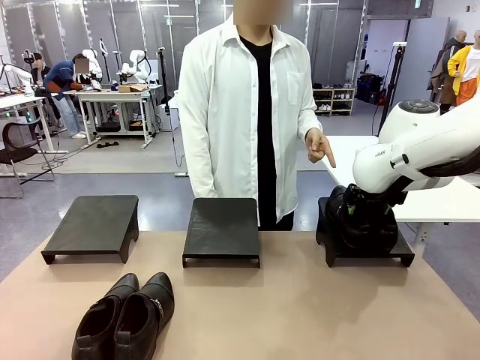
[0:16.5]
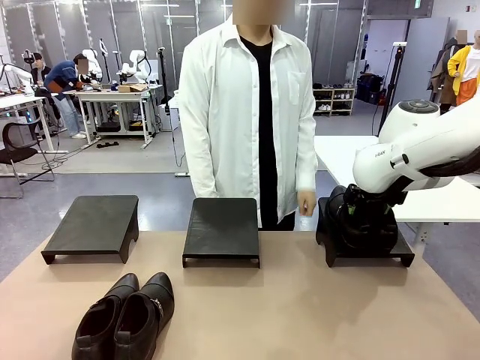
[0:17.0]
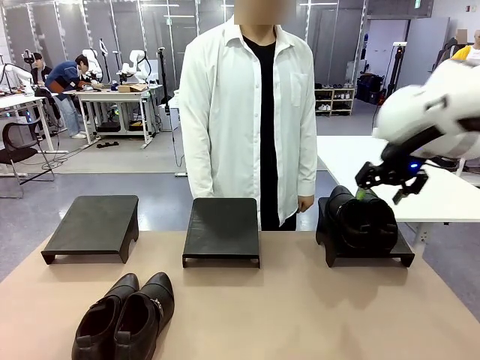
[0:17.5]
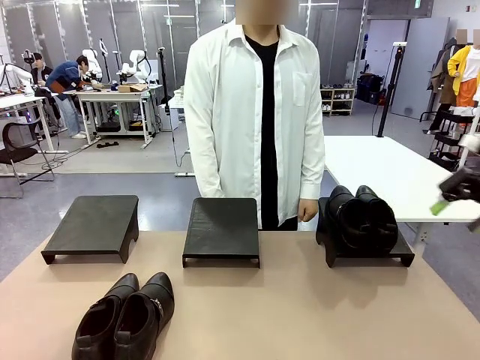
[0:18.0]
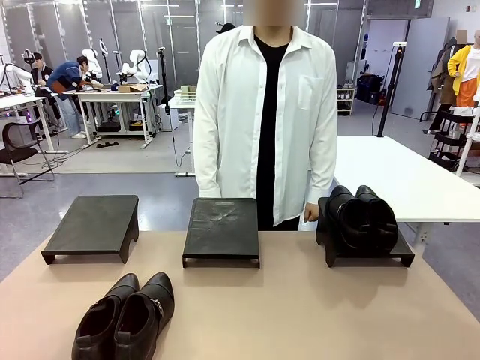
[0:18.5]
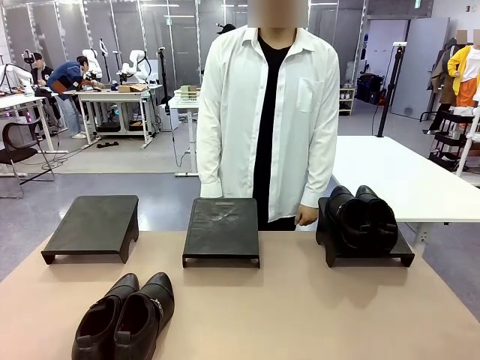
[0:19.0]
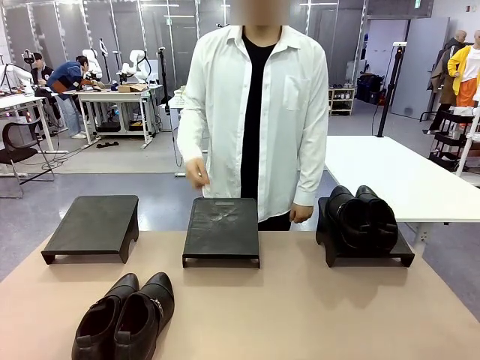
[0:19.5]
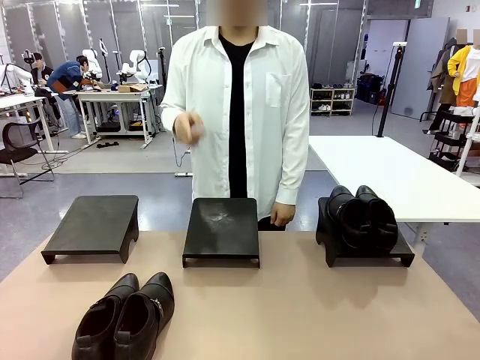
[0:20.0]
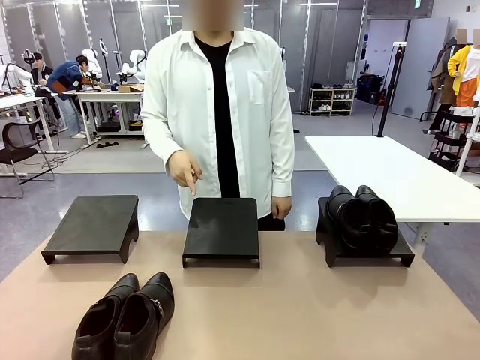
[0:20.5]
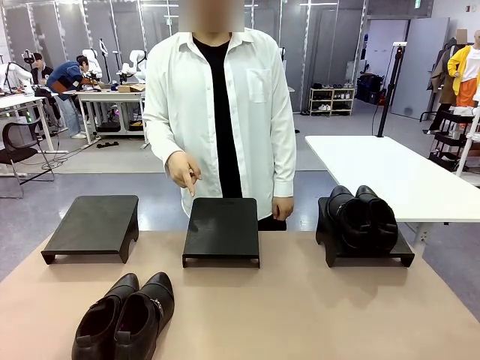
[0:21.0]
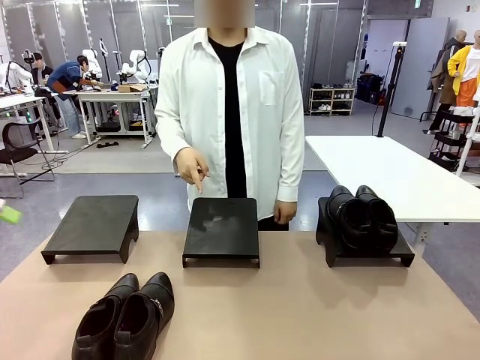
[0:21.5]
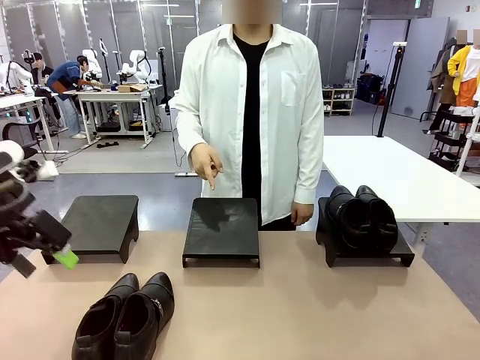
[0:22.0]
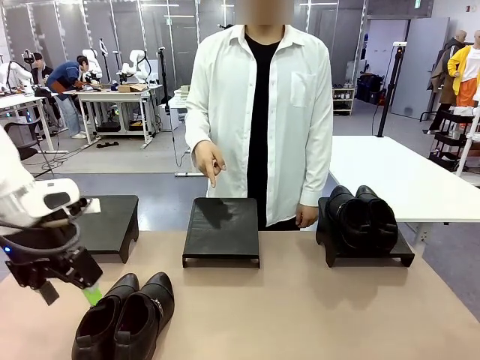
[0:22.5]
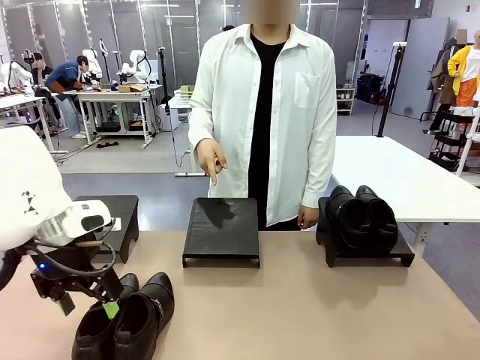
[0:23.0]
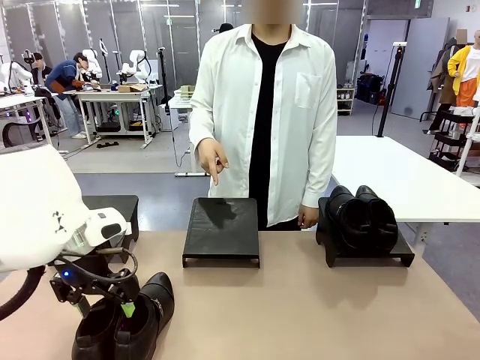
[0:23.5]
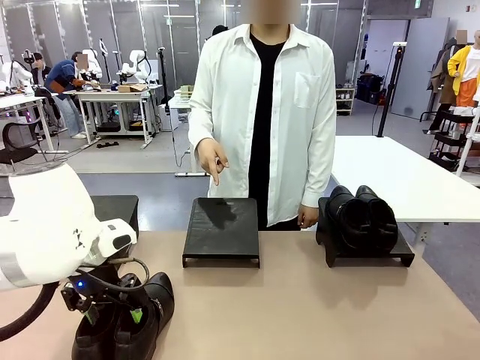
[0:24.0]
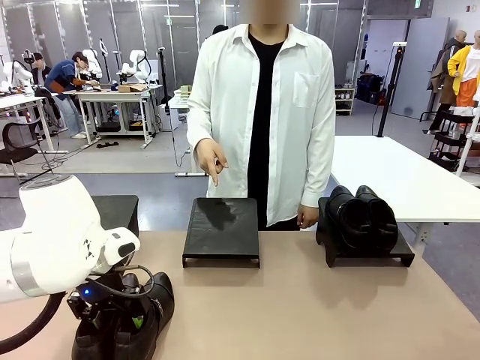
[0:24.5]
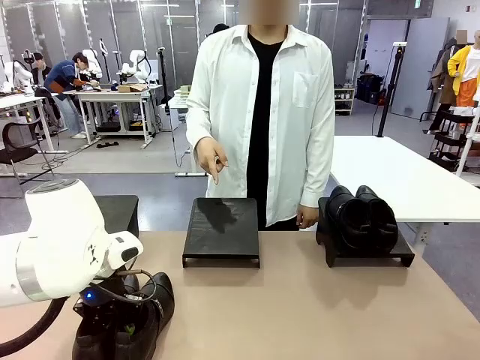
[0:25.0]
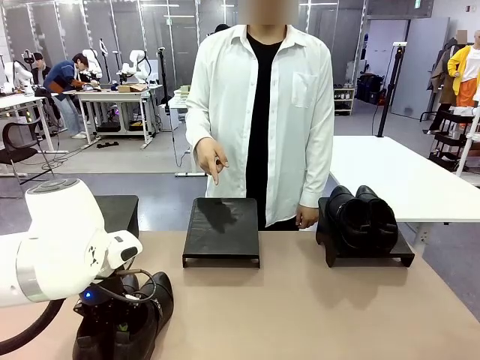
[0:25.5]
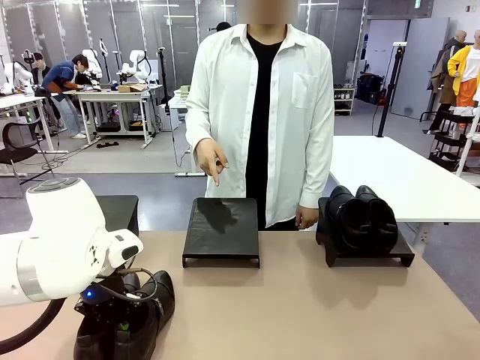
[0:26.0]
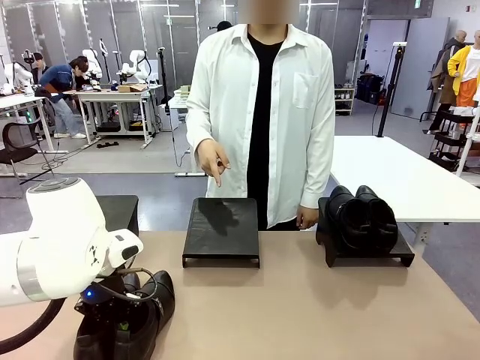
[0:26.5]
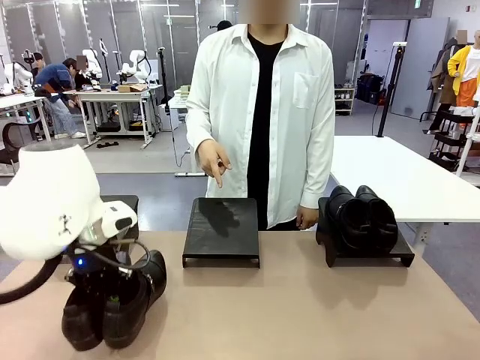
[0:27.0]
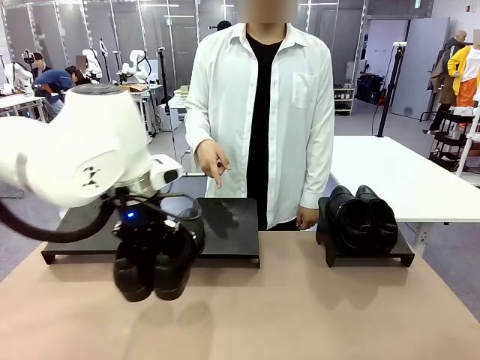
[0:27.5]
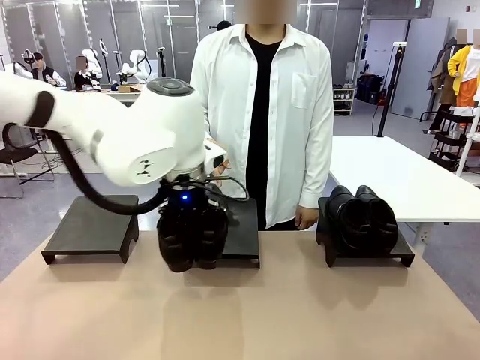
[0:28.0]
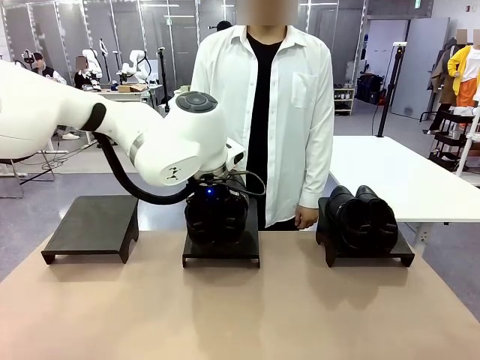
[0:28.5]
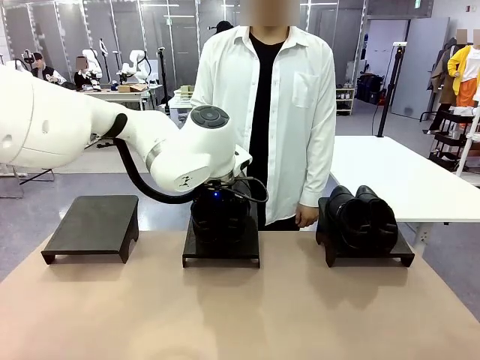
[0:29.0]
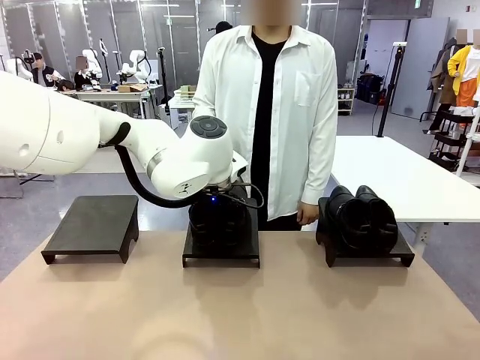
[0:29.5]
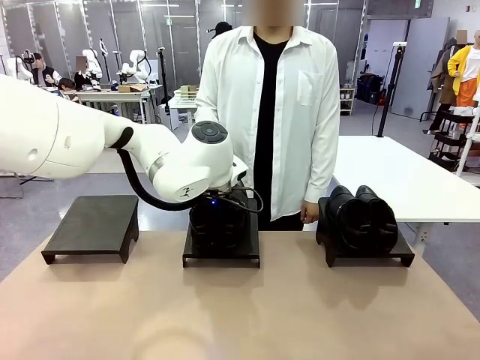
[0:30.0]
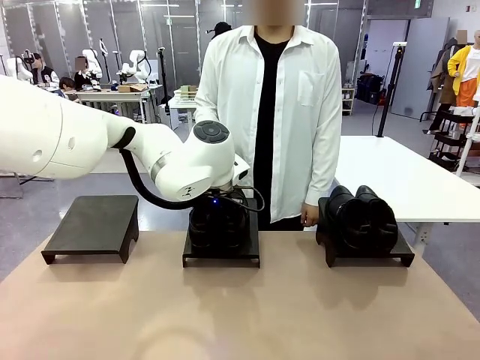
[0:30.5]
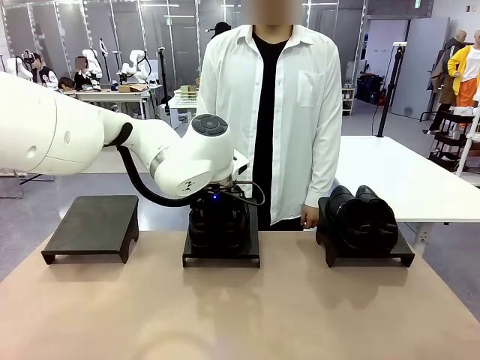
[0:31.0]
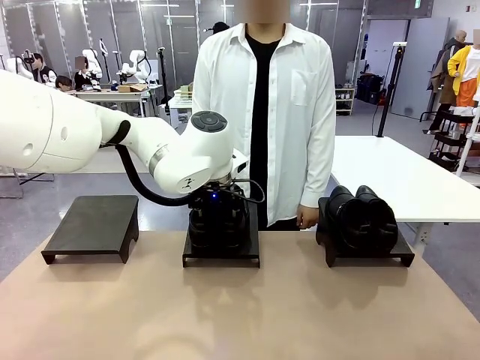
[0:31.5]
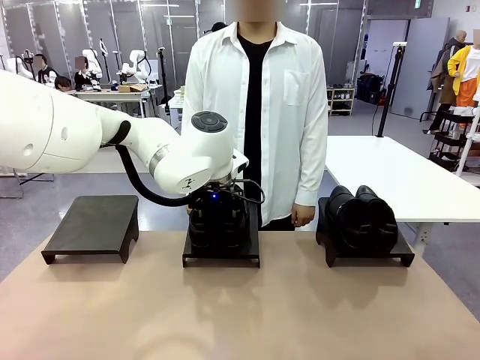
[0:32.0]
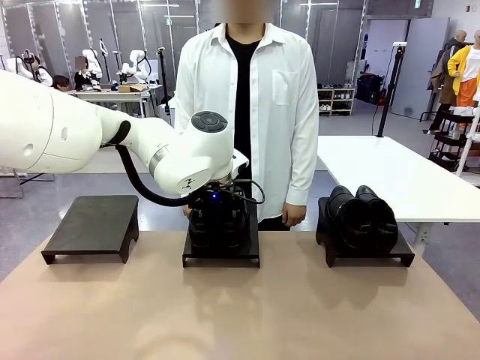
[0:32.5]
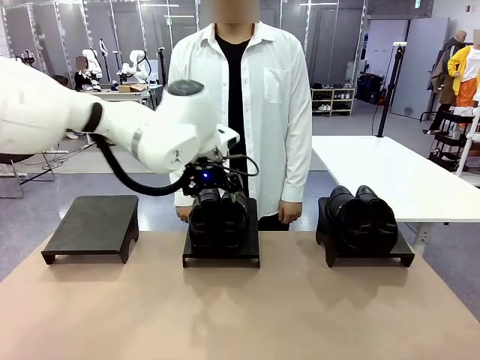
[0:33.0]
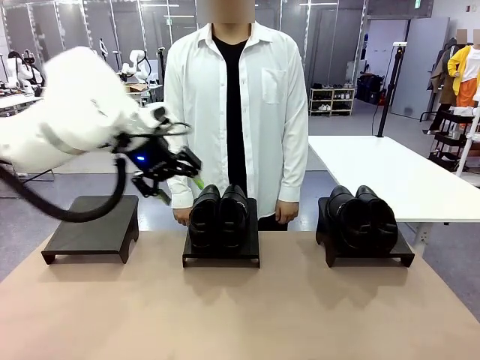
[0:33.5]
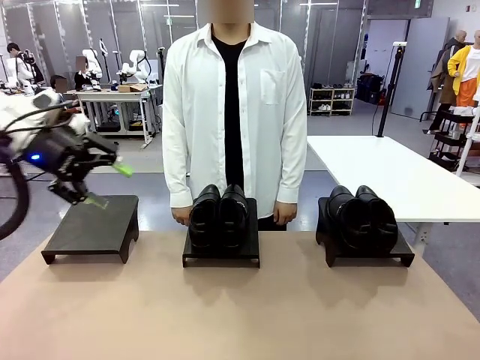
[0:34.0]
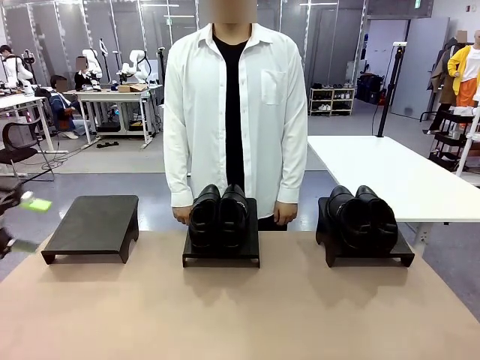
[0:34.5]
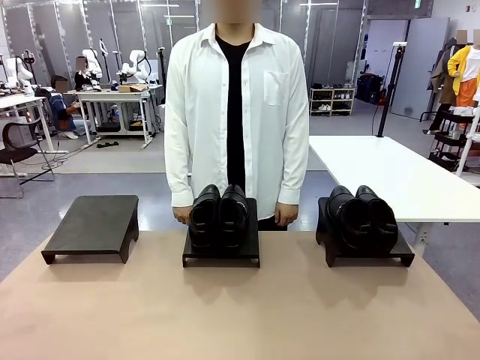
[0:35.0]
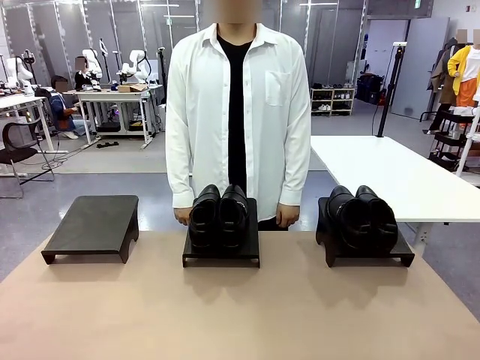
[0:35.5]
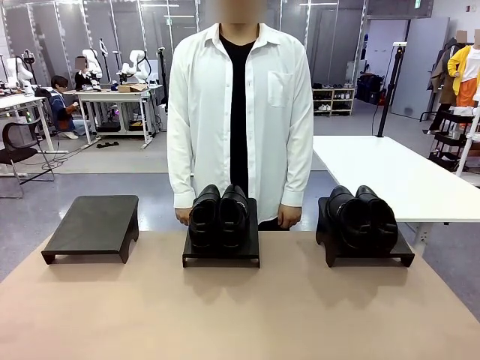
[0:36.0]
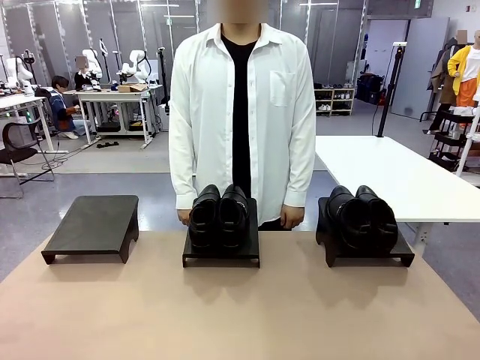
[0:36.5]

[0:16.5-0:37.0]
Task: Place the shoes on the stand as instructed by the person.
Robot: Pick up another pair of Shoes and place it on the Shoes Stand indicated by the person.
Person: Point to one Shoes Stand.

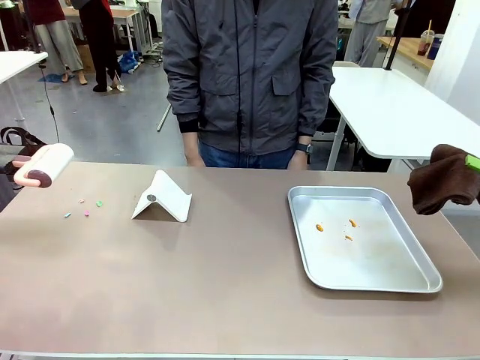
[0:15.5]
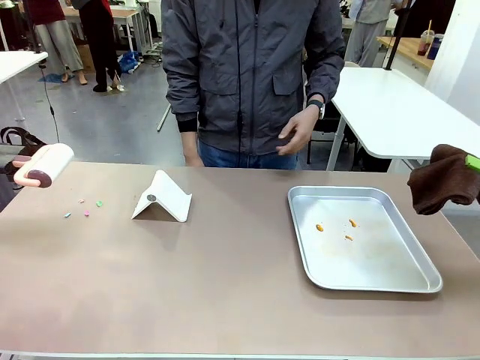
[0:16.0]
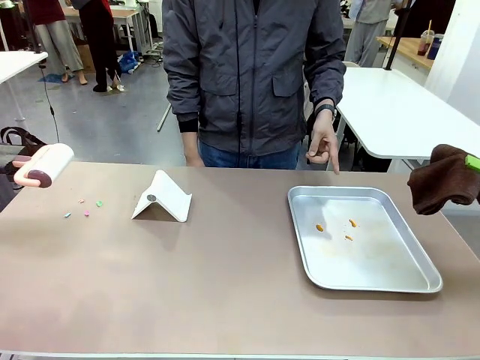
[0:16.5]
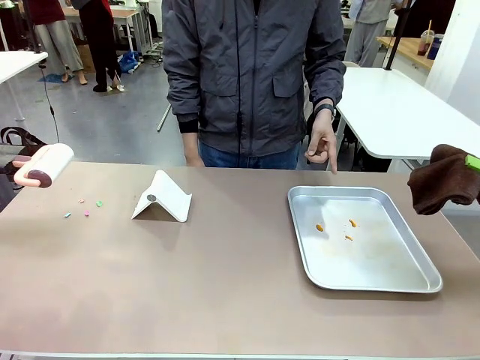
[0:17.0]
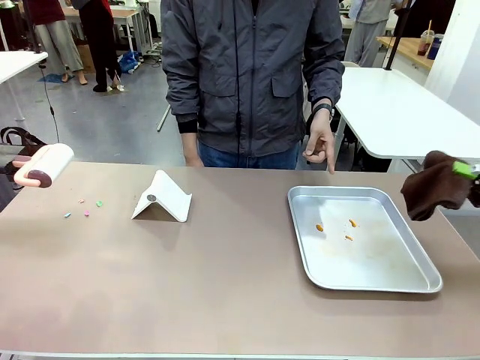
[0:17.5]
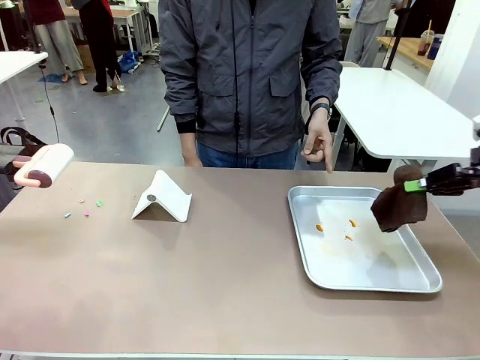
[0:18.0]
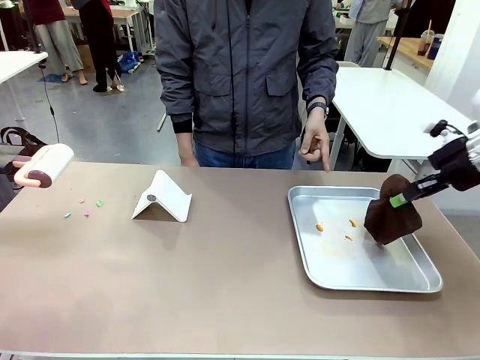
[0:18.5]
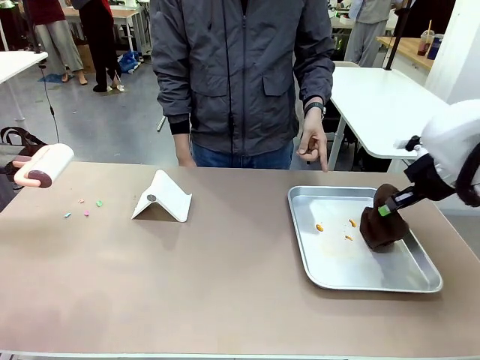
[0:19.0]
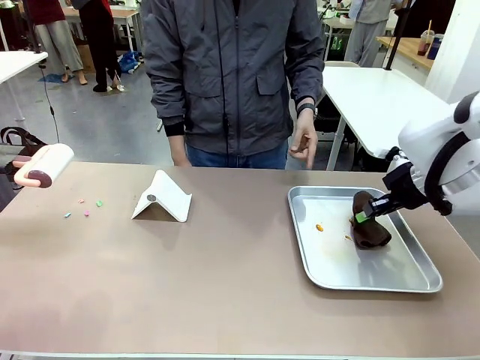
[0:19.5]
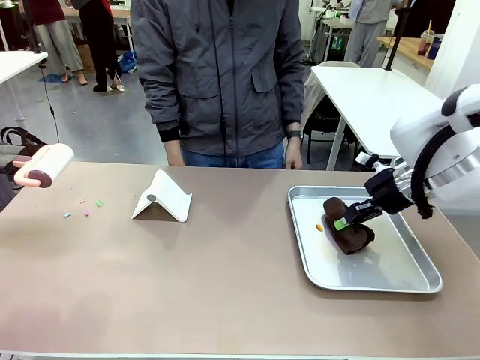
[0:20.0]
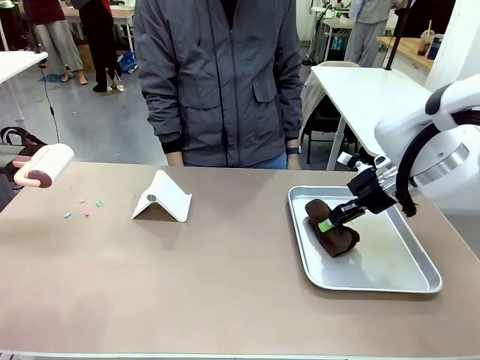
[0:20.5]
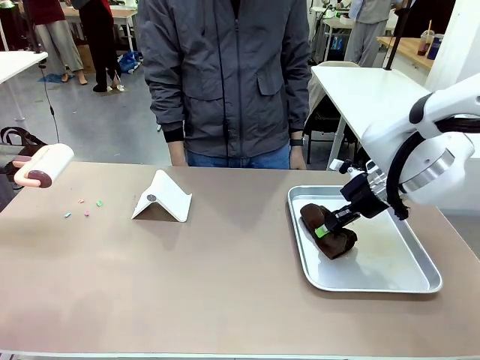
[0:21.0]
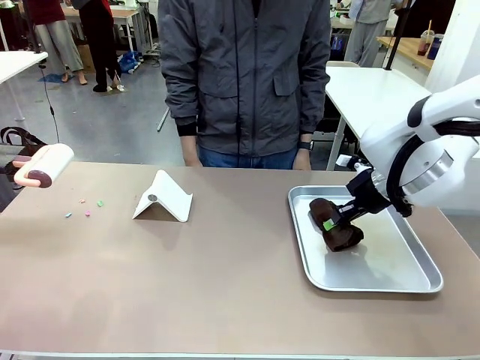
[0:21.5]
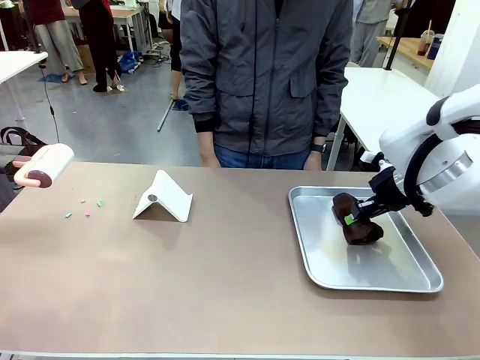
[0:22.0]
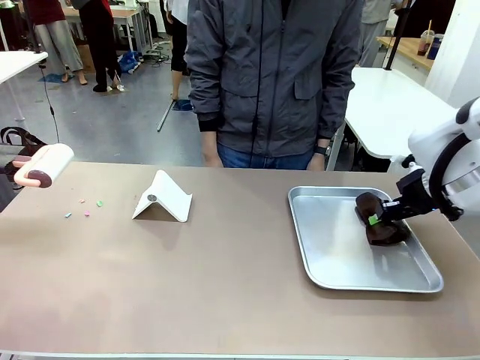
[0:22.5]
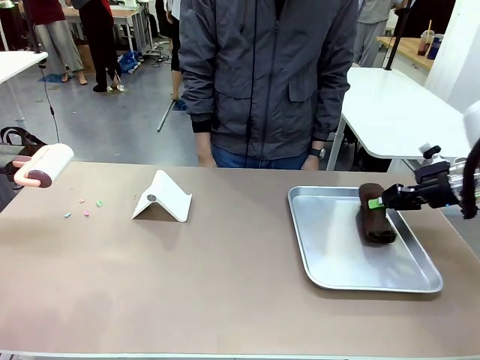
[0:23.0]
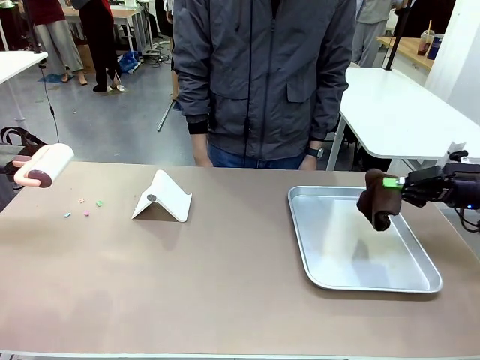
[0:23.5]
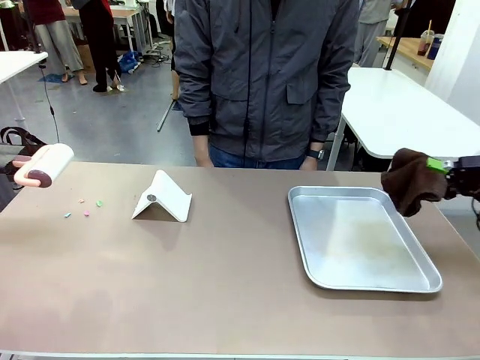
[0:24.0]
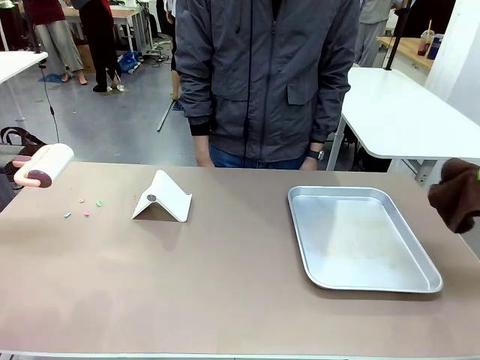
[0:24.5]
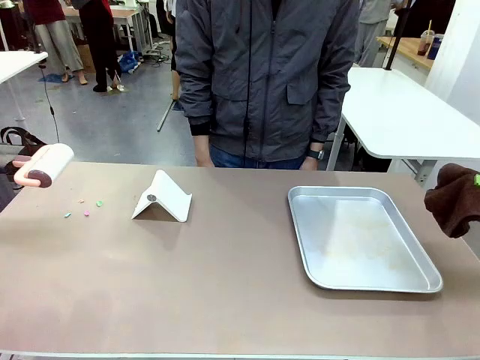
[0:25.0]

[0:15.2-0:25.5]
Task: Clean the surface of the table.
Robot: If a person points to the right, clean the right side of the table with your right hand, and if they point to the left, clean the left side with your left hand.
